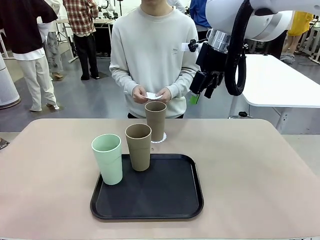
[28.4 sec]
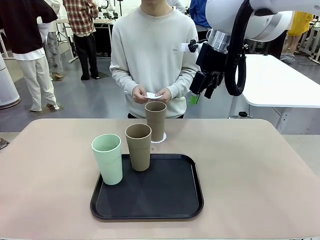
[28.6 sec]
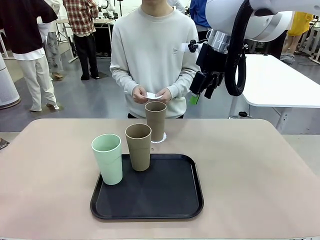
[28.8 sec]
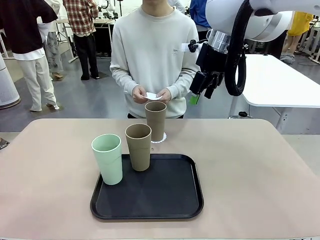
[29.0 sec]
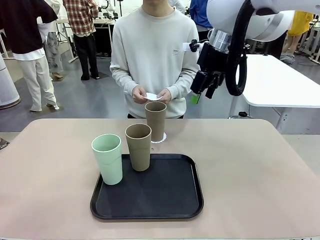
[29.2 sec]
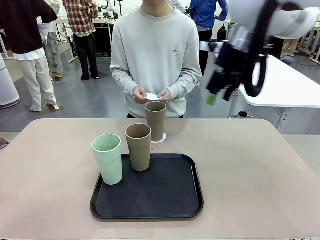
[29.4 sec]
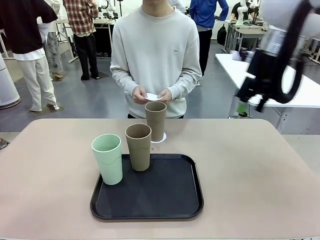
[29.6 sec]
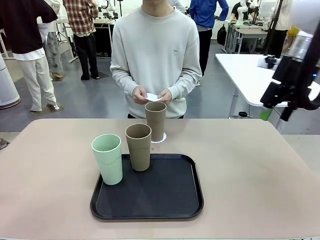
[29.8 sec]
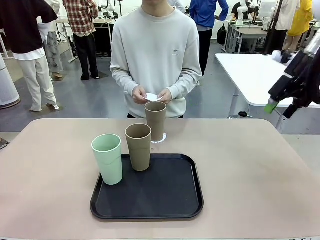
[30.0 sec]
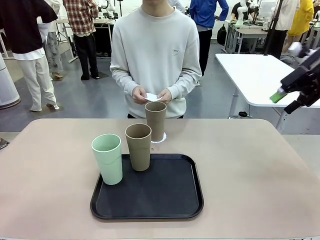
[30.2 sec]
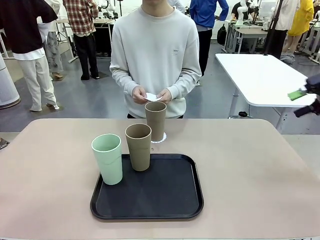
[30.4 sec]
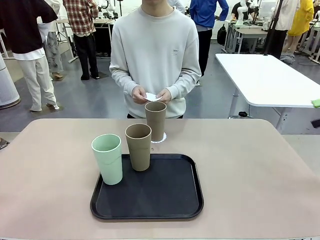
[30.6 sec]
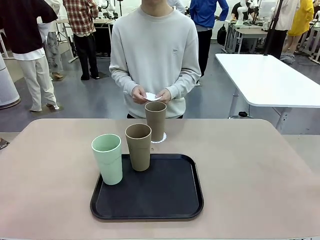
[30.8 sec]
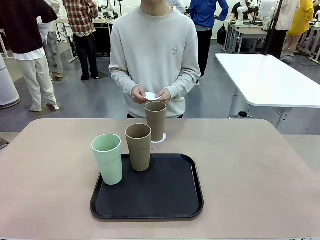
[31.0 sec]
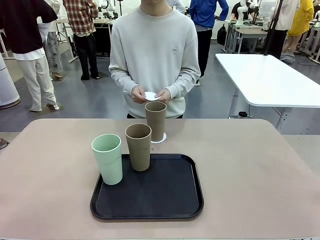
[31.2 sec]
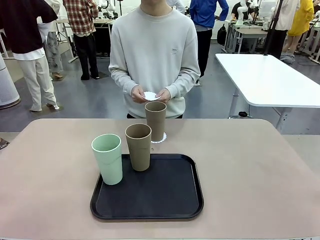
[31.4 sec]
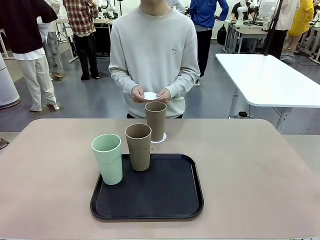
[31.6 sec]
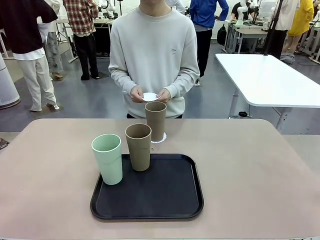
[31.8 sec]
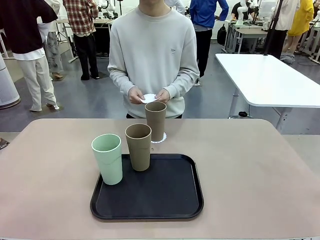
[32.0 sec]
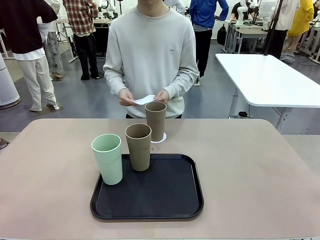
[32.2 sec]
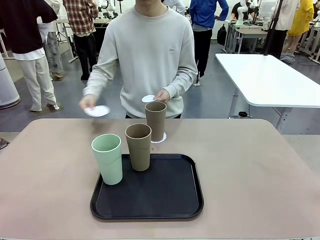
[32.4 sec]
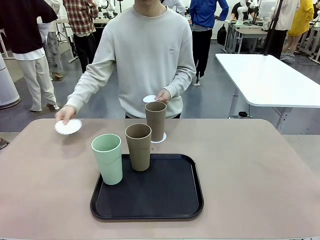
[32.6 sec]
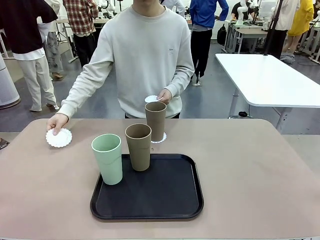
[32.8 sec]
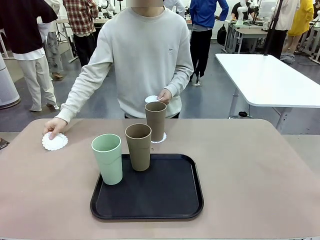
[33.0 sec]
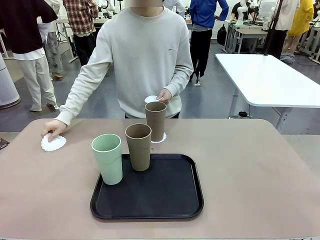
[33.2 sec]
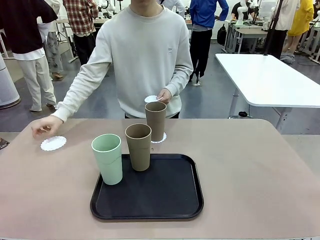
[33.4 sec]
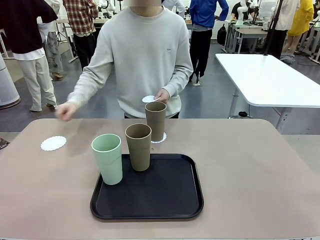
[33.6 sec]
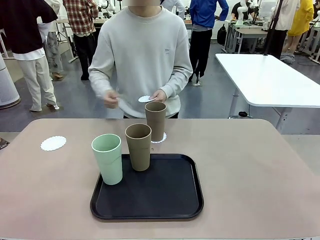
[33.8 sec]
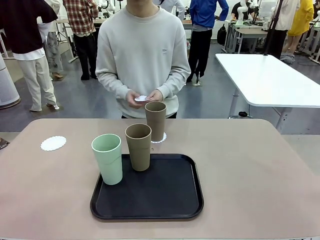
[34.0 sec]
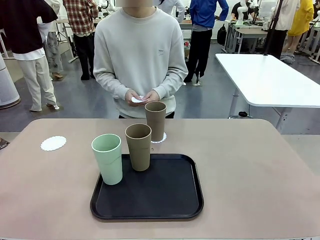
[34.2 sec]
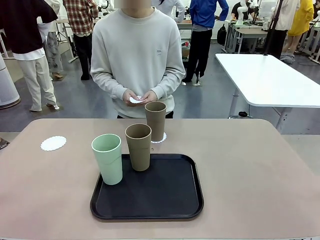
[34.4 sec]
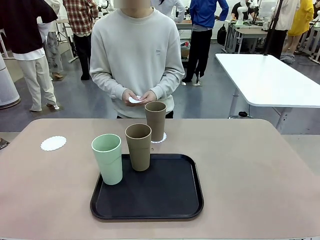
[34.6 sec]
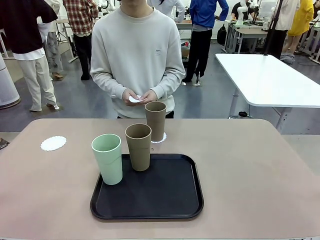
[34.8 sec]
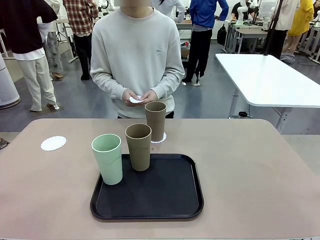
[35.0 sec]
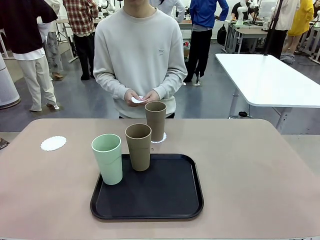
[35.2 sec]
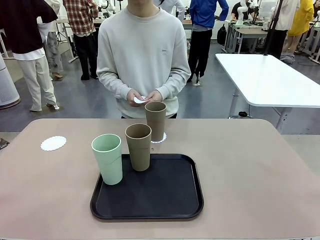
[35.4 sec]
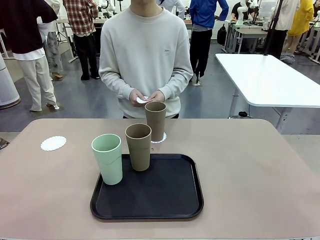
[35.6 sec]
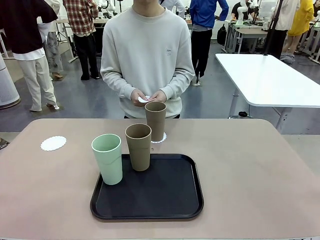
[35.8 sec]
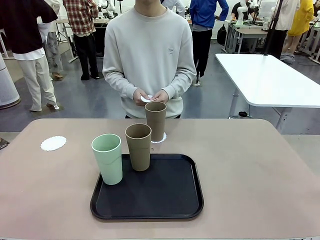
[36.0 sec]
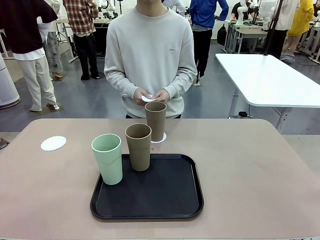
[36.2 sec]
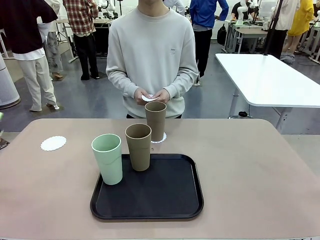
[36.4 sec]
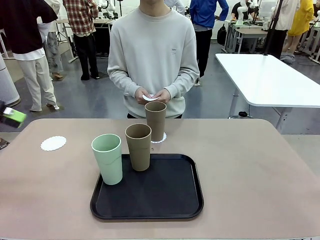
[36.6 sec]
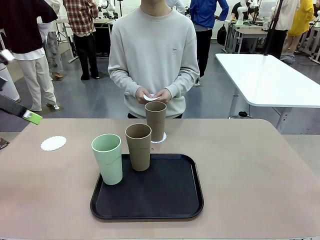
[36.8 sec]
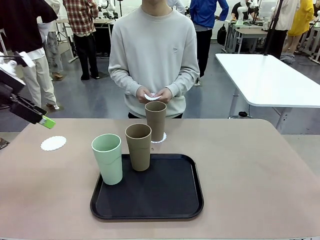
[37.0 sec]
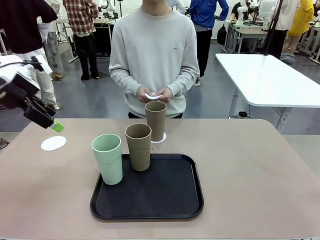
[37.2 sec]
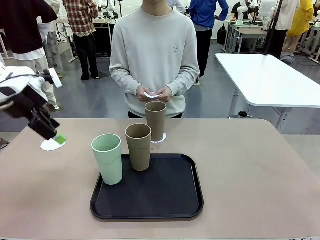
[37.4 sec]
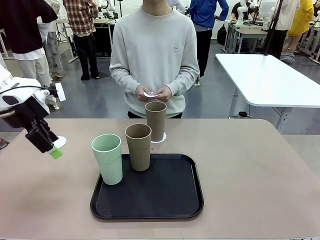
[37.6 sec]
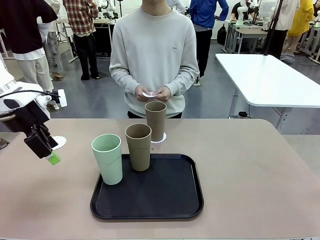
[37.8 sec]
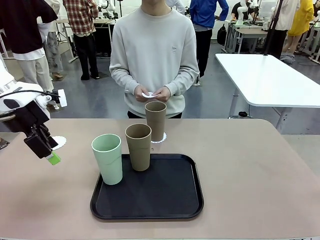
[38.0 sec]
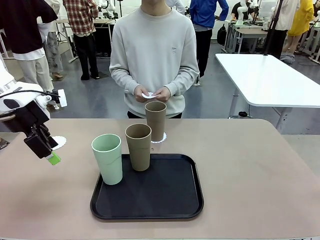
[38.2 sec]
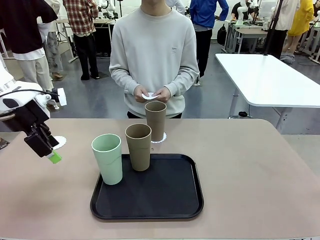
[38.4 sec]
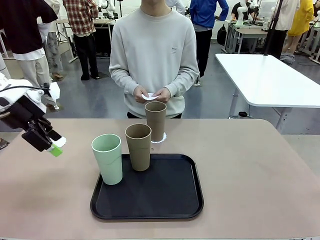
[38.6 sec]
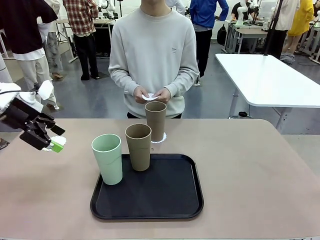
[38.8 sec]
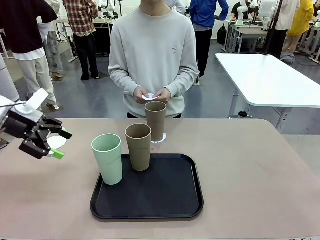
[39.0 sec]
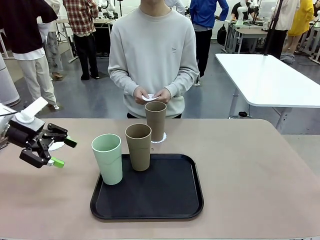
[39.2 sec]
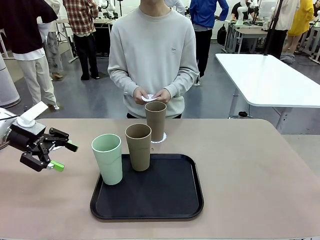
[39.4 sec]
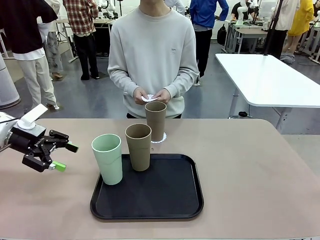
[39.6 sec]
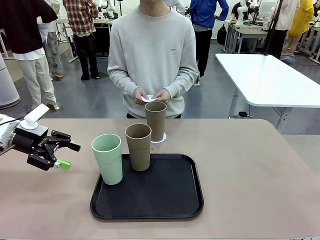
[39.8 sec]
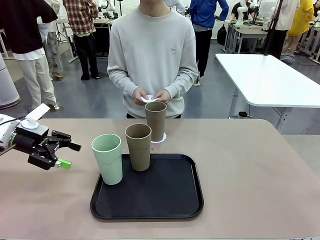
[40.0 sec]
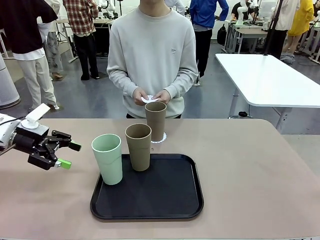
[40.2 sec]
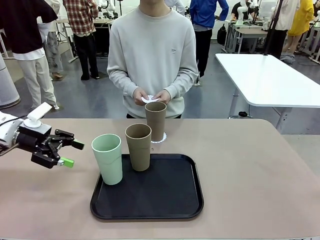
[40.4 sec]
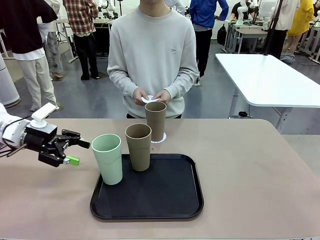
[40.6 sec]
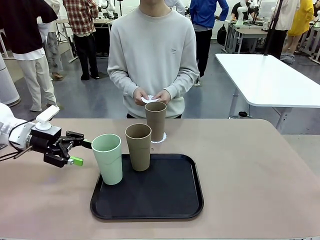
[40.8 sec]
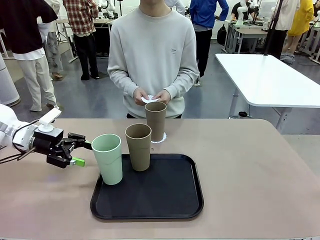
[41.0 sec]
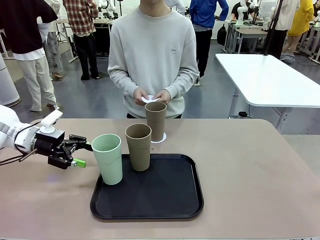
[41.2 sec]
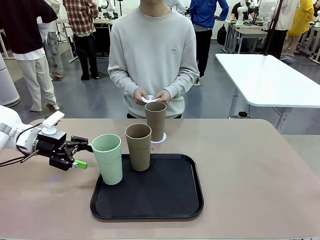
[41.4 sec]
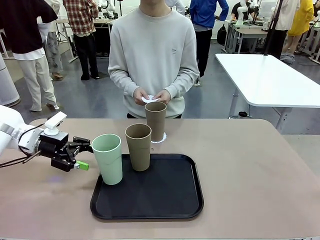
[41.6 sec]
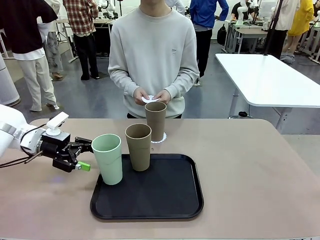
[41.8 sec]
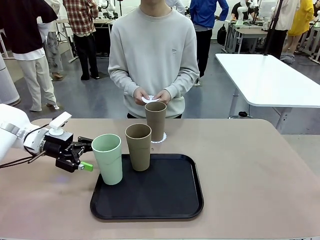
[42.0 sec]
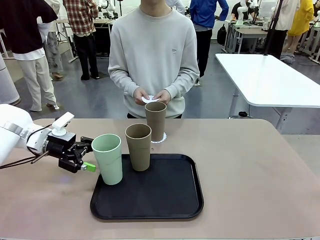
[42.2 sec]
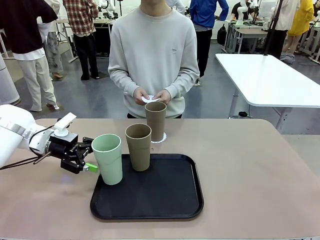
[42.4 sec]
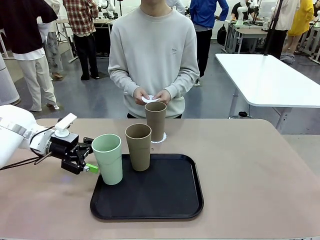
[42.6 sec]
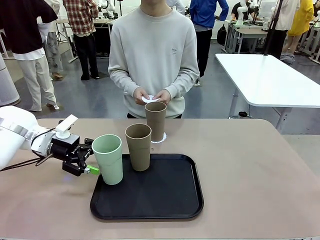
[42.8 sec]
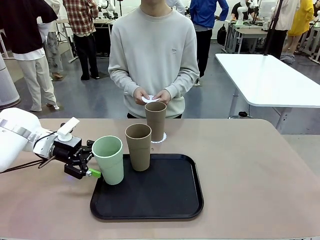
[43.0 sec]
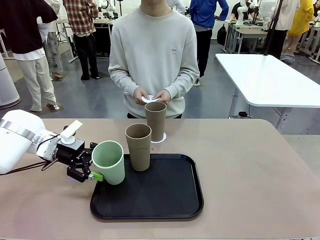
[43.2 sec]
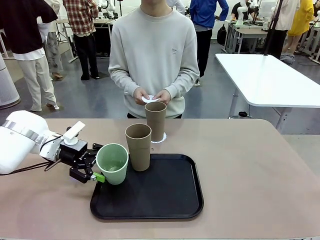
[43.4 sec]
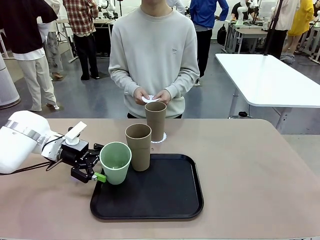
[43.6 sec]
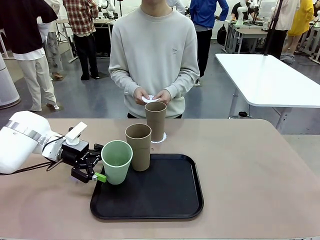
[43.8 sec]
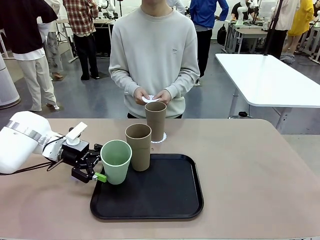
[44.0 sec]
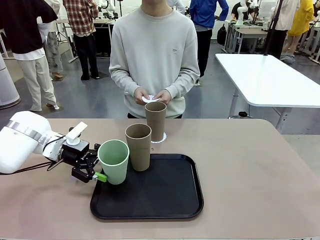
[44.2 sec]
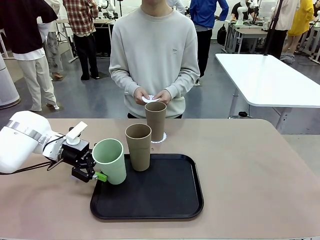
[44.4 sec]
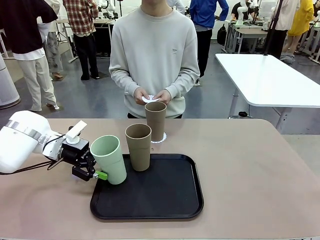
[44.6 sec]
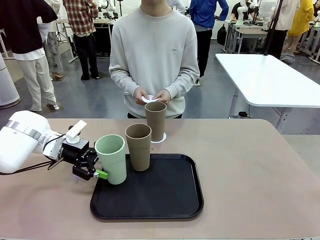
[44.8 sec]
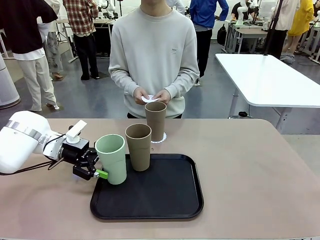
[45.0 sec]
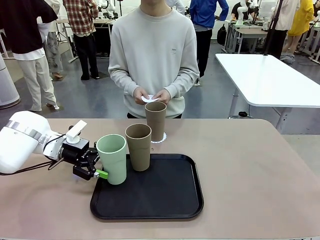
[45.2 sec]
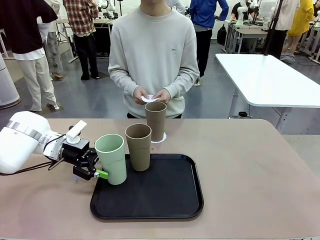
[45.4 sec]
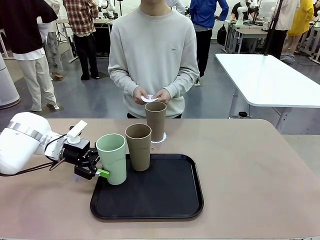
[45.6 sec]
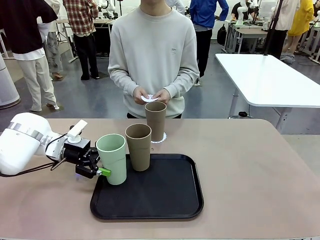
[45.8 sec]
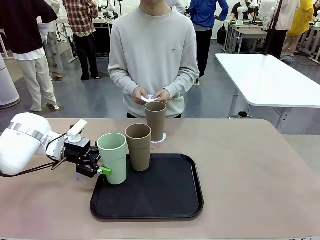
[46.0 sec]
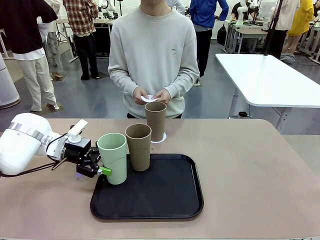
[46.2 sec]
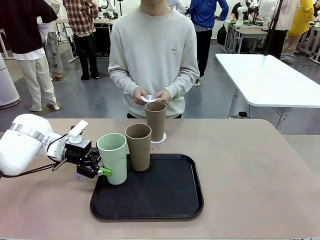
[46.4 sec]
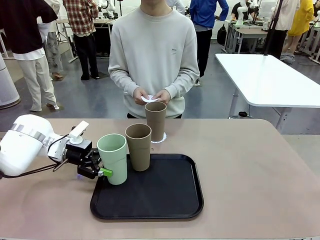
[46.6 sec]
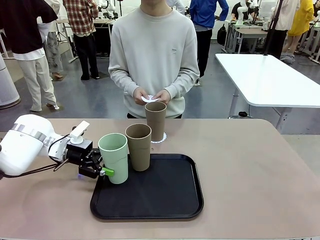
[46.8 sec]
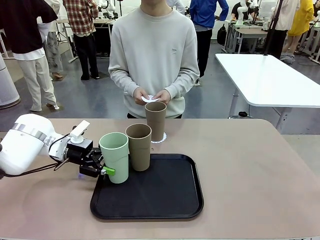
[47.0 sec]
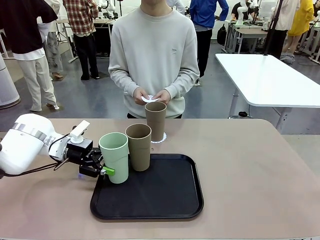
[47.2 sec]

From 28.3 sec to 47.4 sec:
Task: Place coasters on the table and set cups on them.
Robot: Take one Reusable plastic cup from the Flat Tray and place it on a coaster set by the human.
